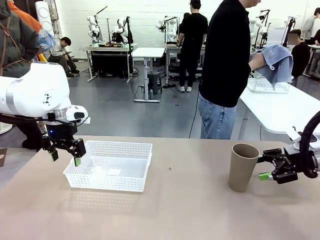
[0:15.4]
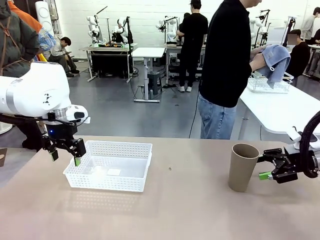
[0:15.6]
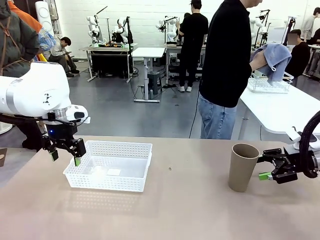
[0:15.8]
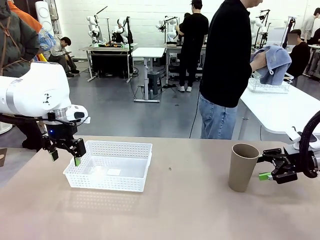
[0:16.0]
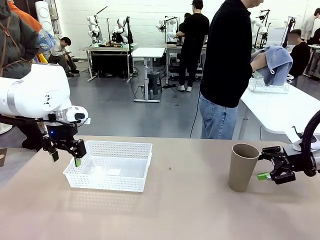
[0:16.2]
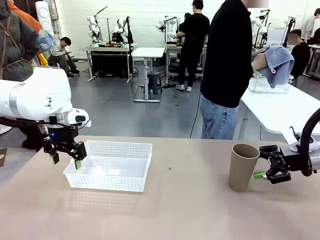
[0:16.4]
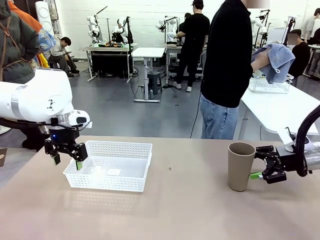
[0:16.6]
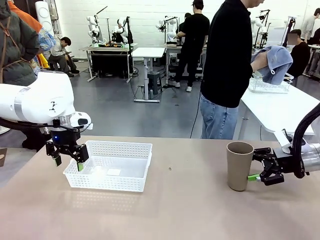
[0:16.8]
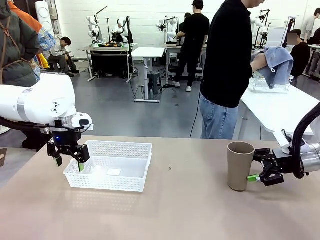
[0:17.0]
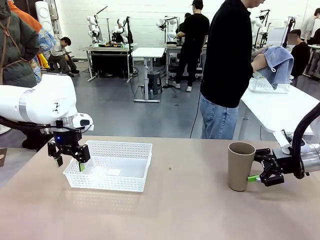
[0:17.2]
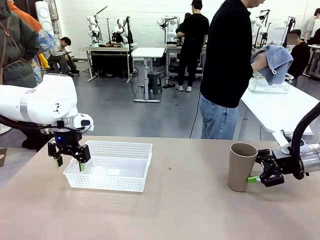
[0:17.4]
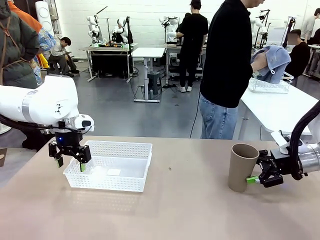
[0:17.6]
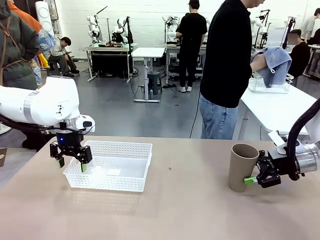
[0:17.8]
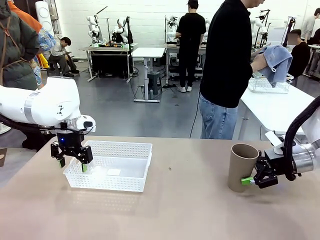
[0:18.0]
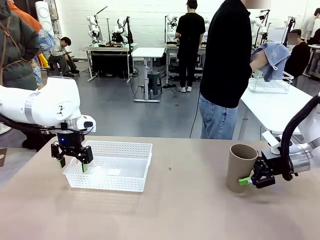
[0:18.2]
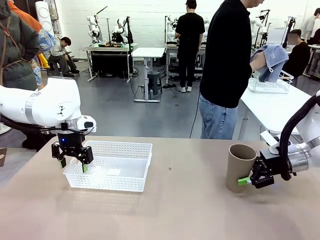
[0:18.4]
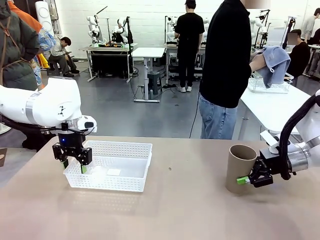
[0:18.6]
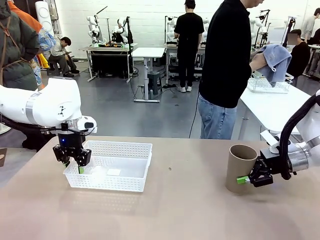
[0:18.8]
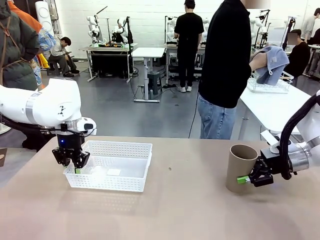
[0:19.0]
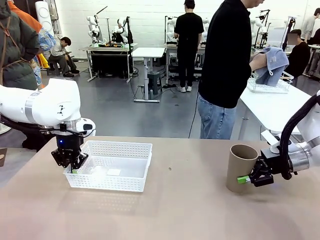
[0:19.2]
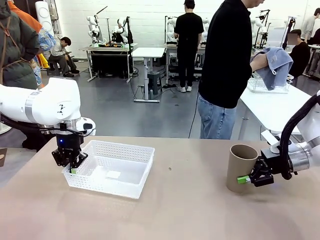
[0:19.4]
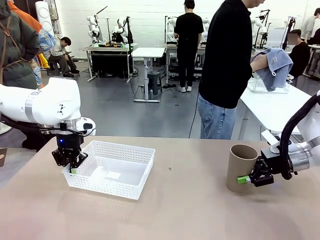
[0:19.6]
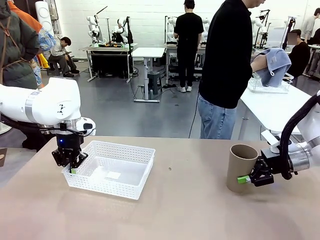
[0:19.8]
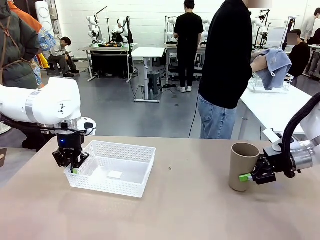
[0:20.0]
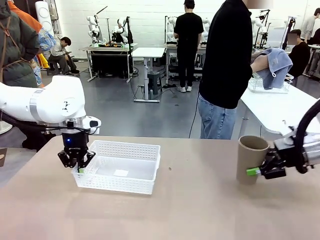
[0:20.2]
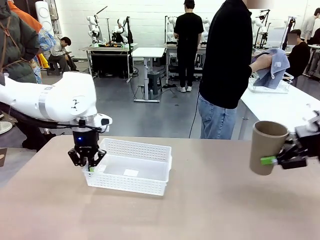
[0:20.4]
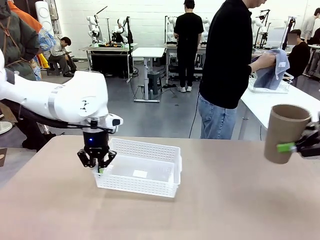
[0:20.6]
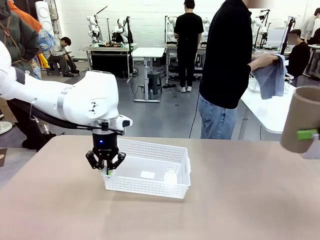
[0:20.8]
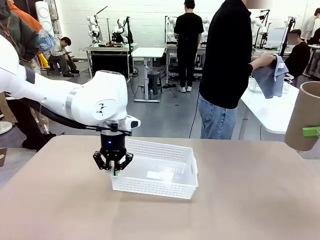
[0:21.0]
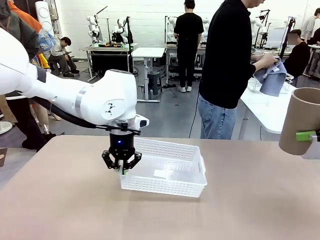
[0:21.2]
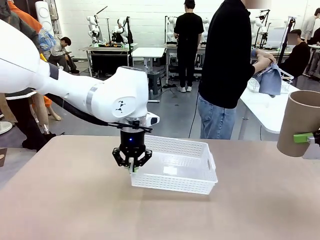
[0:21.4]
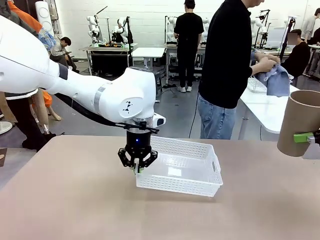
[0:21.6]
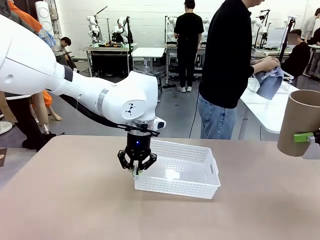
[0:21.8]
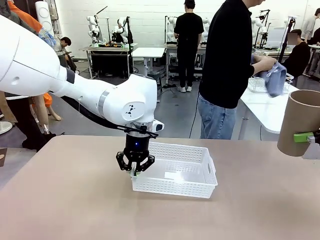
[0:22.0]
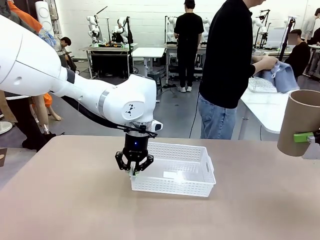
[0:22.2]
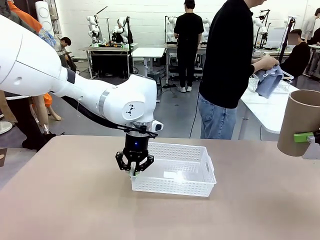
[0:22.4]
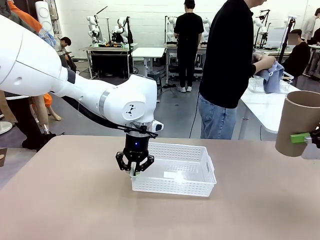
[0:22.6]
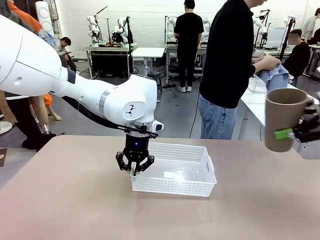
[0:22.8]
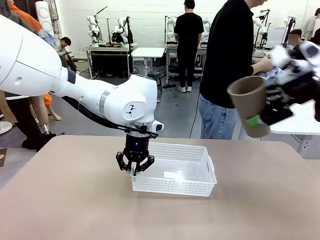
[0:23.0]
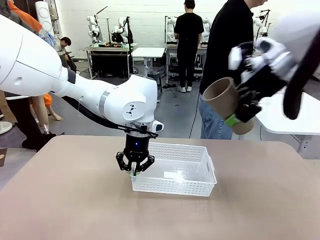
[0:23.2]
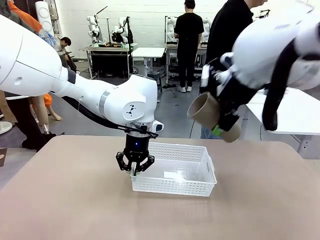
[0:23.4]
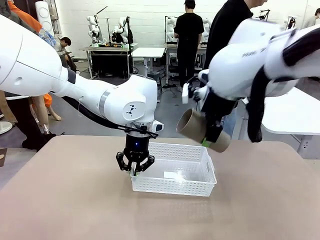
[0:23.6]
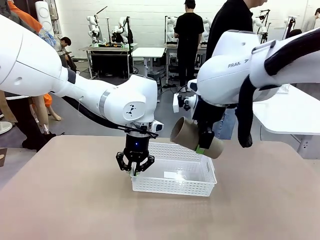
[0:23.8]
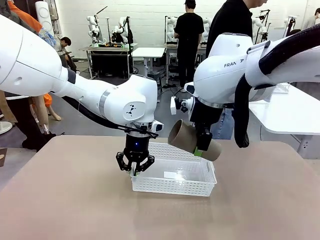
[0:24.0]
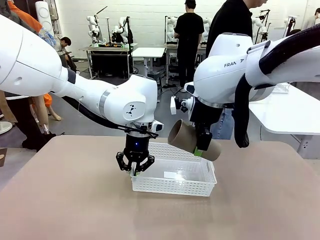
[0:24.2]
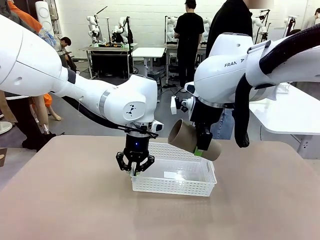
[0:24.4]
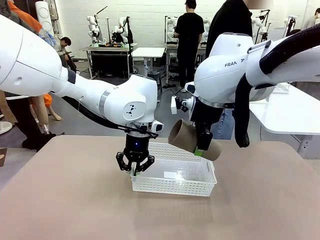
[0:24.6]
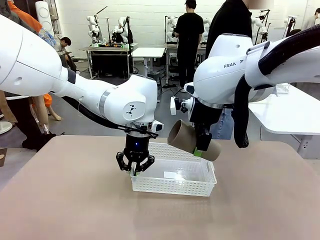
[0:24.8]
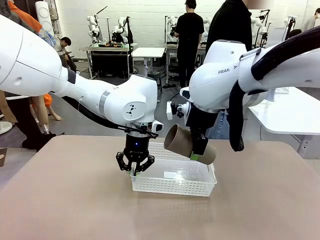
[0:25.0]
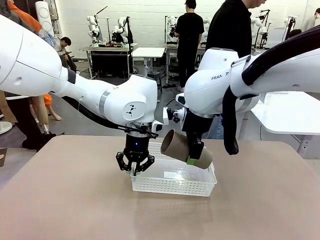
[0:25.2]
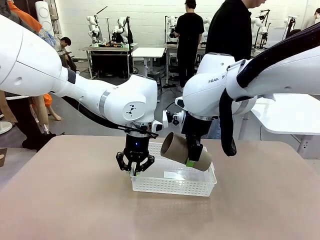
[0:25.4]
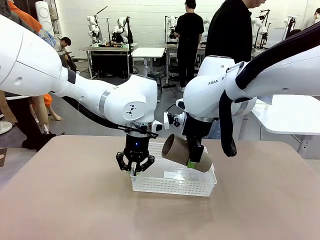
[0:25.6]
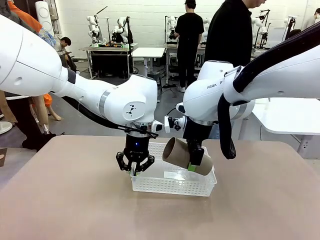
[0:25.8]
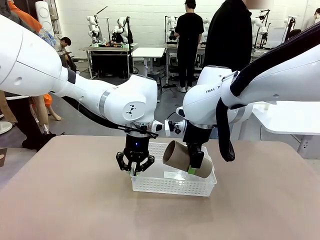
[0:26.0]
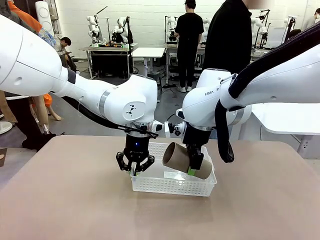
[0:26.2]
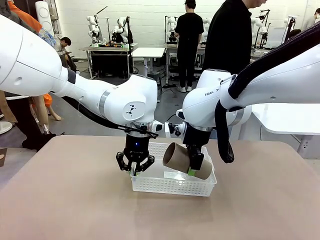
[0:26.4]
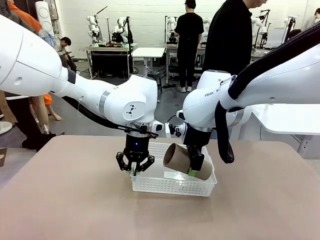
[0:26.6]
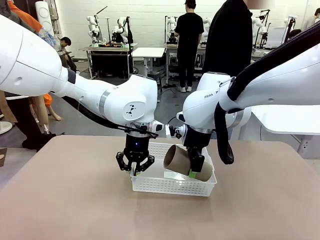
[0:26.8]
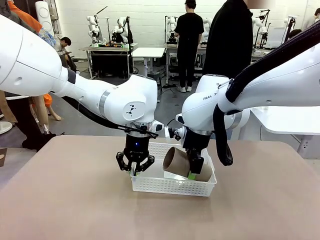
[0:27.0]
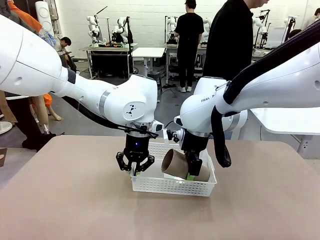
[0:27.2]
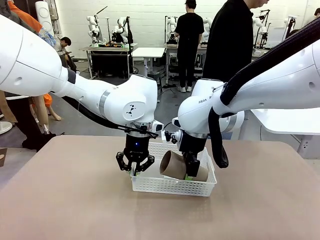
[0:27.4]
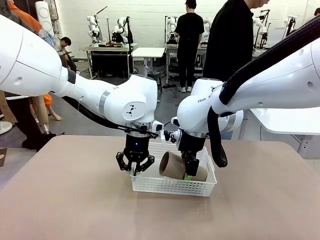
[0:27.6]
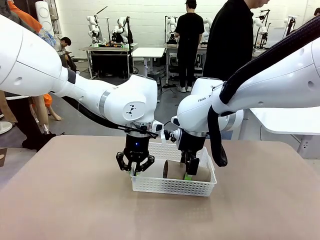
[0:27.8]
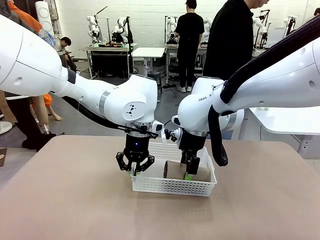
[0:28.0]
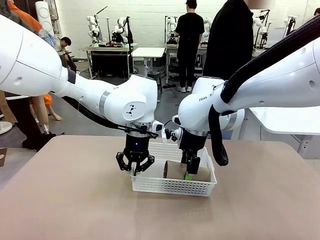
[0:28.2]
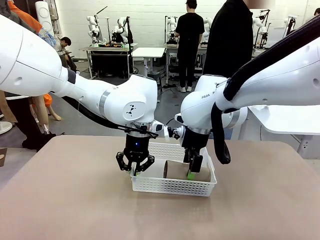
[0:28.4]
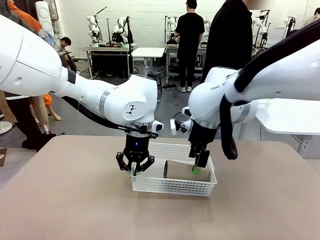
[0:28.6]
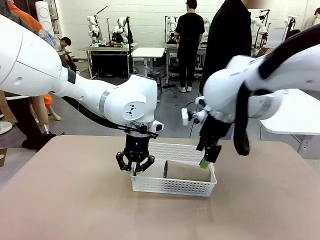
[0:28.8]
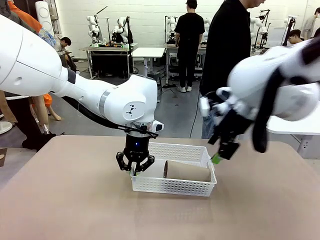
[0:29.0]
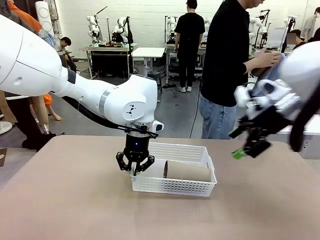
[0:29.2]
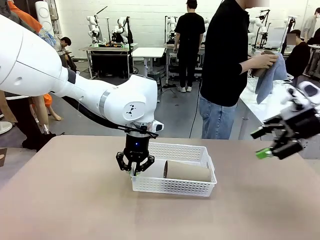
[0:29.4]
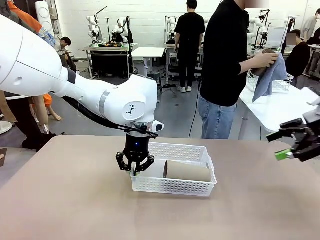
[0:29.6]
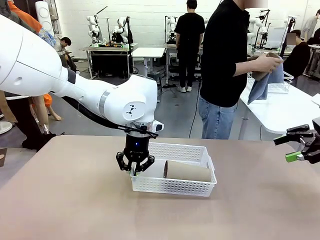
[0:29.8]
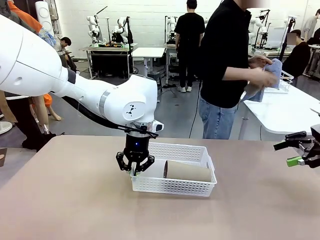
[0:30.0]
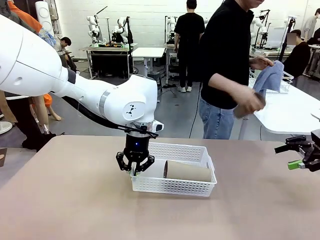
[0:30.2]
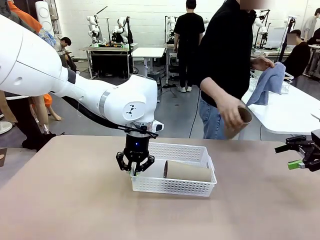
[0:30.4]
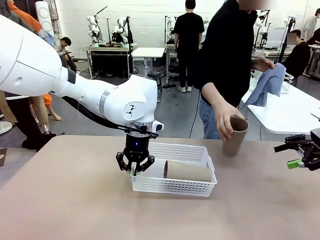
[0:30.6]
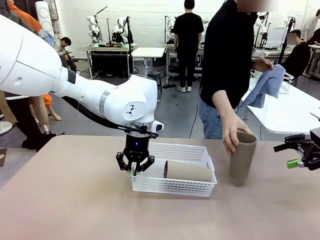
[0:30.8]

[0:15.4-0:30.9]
Task: Clean and organize the cups into the basket.
Robot: Pick up the Organizing basket and move it to the center of the table, then pick up the Reusable plastic cup from the right side of the table and place it inside the Organizing basket.
